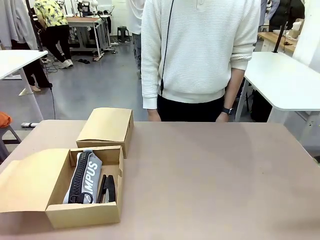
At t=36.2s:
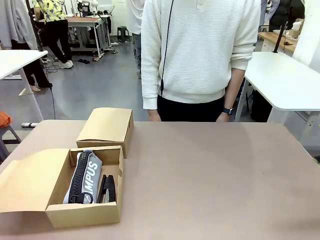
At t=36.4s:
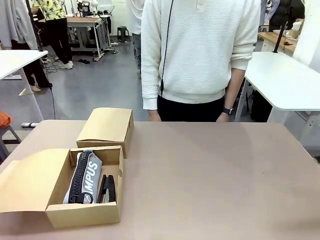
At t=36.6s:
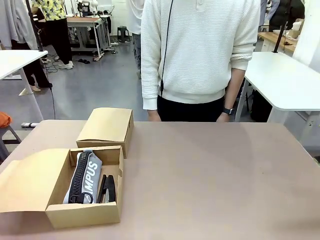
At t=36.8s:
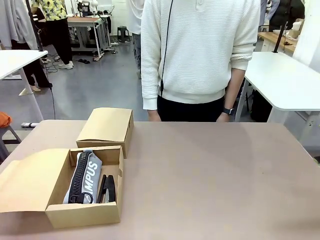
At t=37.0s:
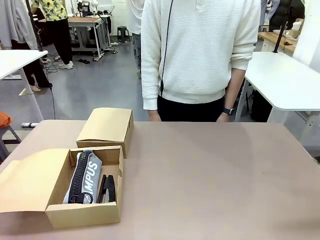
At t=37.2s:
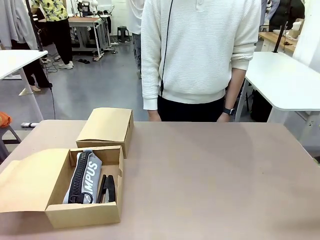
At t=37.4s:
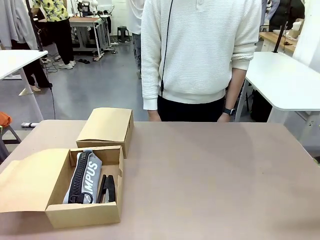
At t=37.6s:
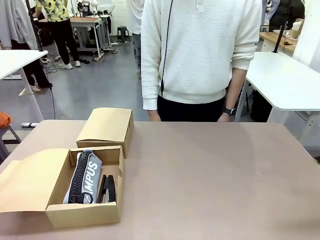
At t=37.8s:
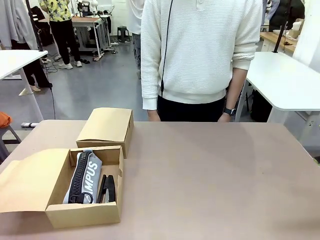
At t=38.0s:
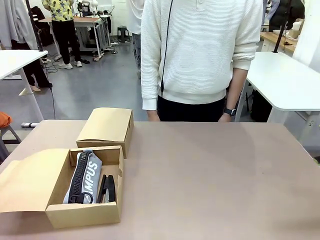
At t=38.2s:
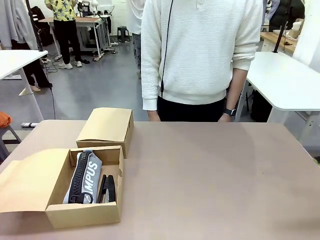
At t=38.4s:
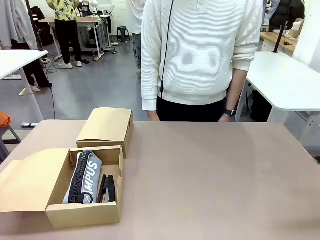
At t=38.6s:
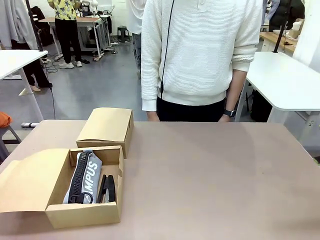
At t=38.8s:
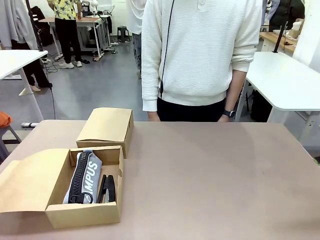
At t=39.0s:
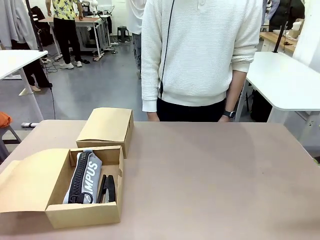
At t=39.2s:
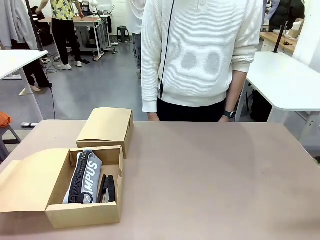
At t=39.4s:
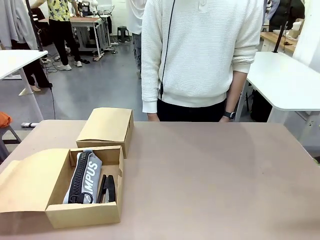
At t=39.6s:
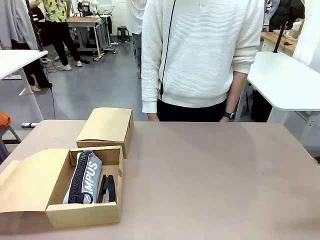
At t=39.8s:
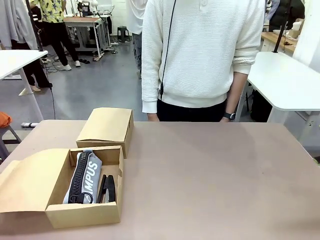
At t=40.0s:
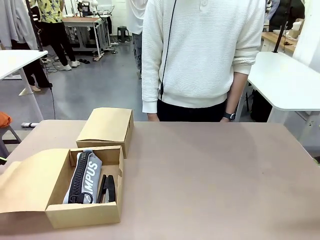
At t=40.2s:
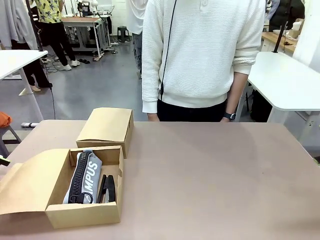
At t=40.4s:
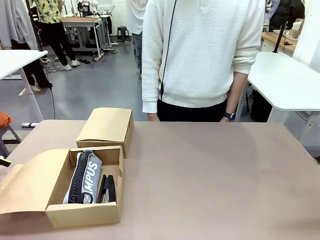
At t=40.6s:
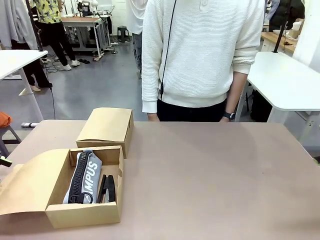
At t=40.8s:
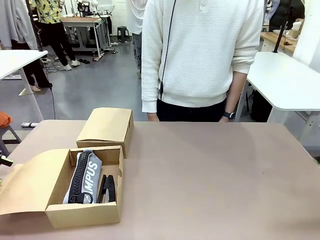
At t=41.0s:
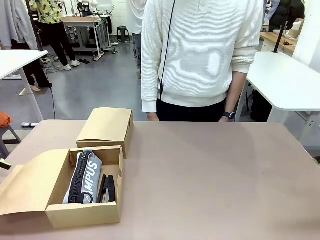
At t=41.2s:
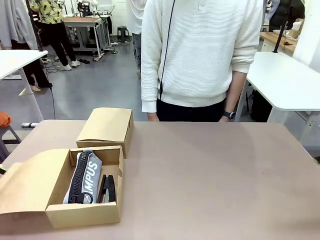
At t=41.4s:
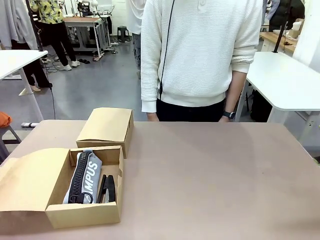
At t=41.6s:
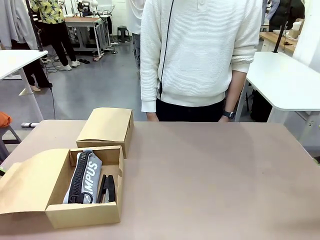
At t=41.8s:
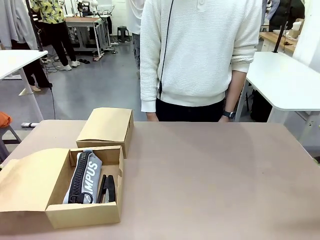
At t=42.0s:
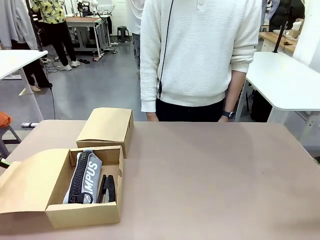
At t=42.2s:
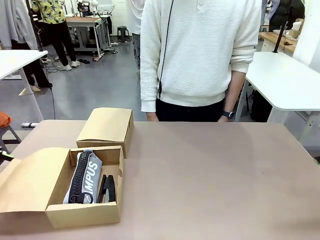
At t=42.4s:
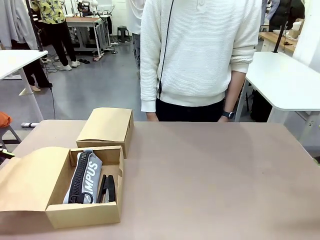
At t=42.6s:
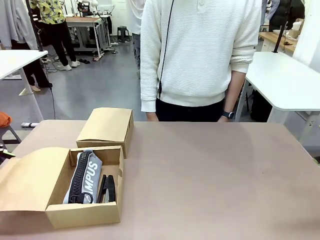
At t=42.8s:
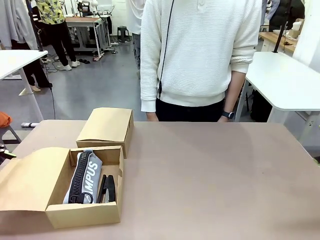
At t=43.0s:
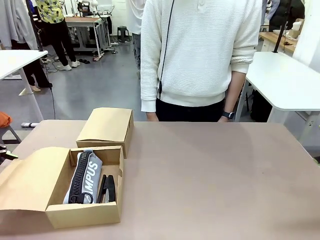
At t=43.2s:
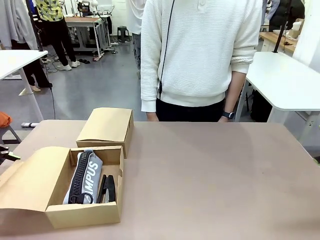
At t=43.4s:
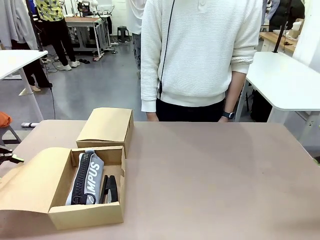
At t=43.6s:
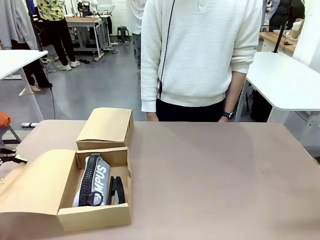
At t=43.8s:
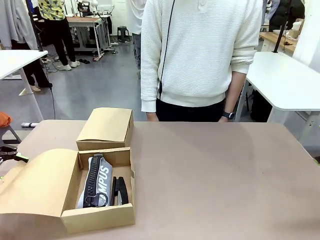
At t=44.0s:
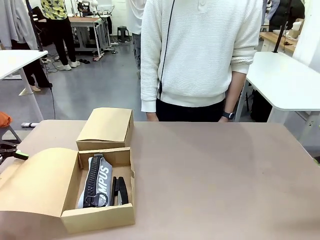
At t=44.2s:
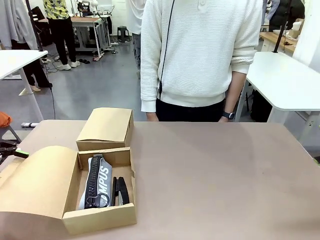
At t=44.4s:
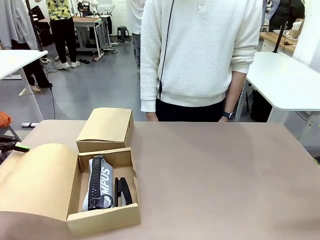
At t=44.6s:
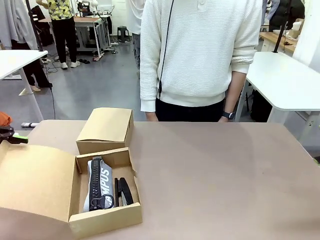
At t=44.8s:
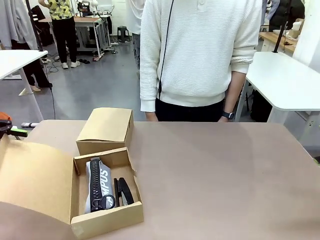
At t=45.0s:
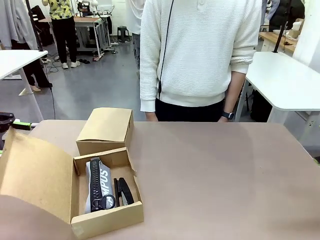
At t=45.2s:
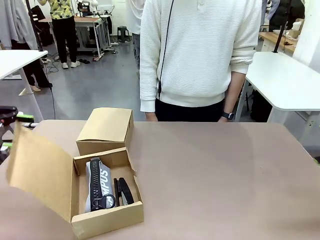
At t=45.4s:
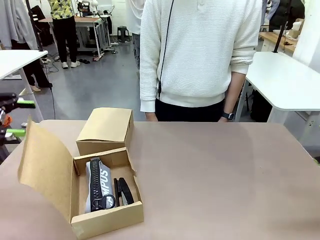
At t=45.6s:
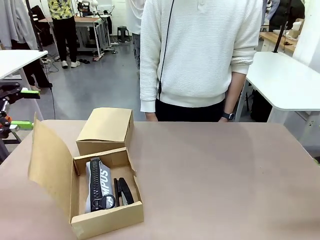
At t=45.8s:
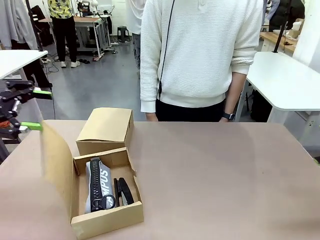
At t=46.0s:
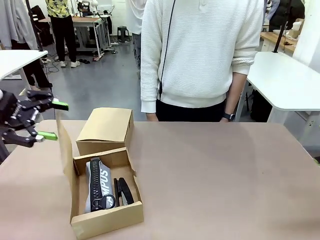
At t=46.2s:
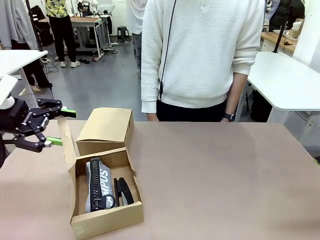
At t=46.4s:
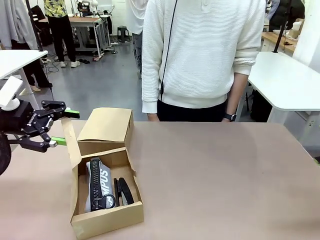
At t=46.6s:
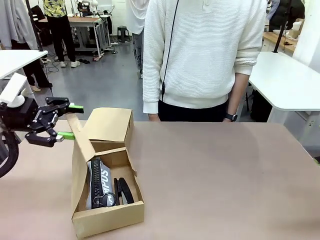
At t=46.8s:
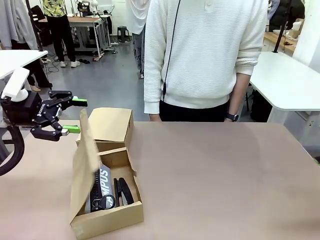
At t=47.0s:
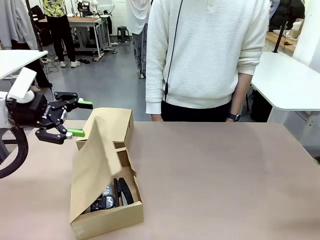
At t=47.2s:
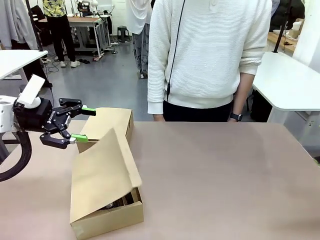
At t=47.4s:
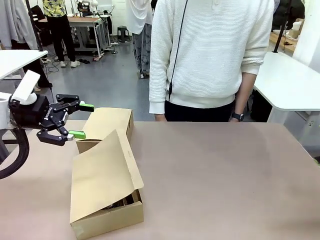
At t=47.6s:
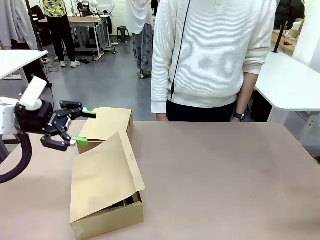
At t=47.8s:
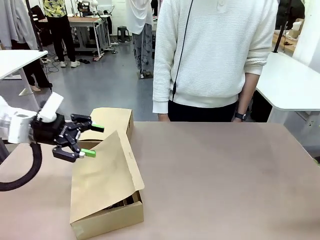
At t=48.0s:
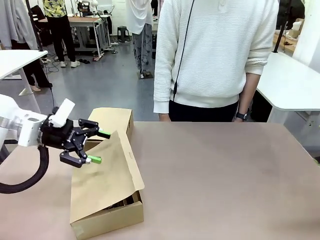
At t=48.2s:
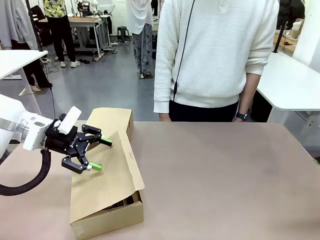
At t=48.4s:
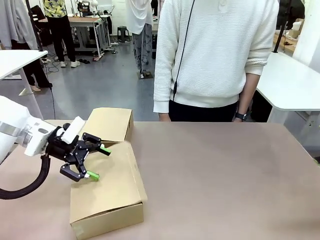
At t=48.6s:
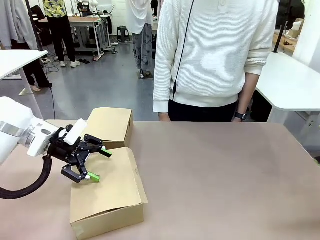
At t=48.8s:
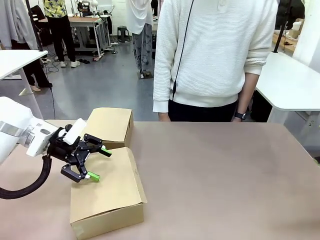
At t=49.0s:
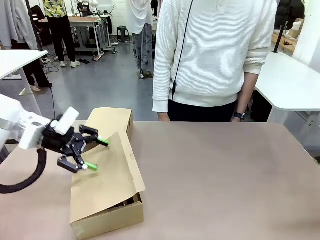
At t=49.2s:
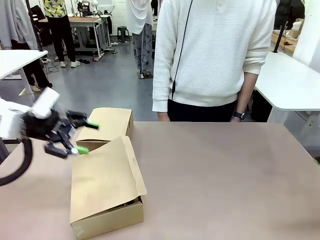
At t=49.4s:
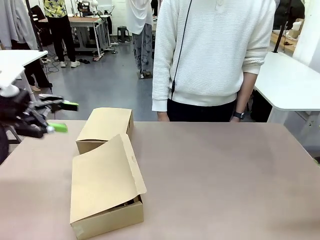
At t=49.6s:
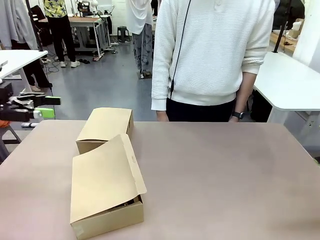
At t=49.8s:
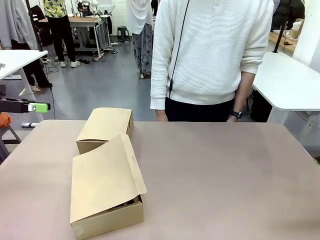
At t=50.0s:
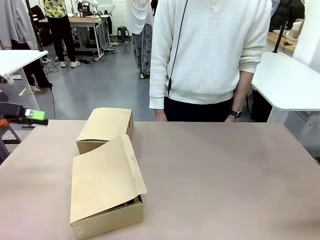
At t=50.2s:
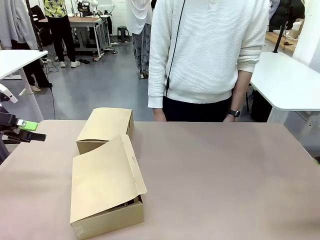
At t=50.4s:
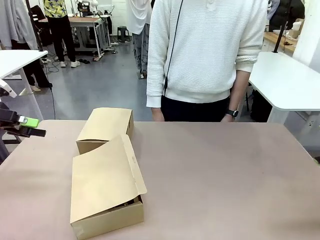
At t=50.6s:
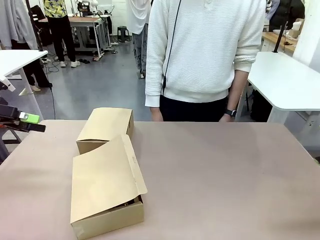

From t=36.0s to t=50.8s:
Task: Place items inside the box.
Robot: Close the lid of the Mailer Box closest to the robot.
Person: Close the lid of the box facing the person.

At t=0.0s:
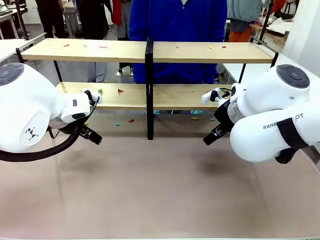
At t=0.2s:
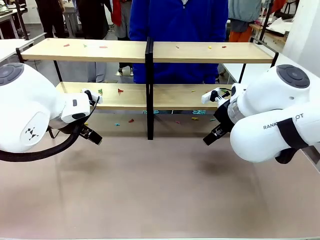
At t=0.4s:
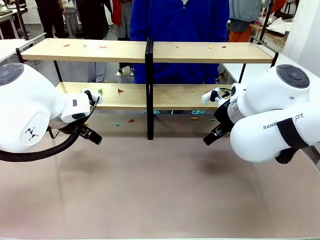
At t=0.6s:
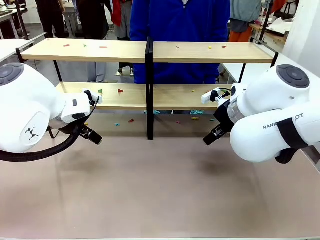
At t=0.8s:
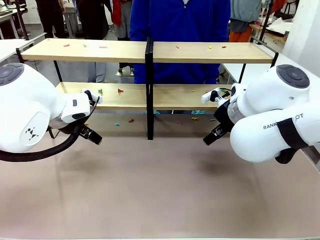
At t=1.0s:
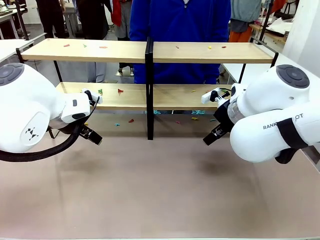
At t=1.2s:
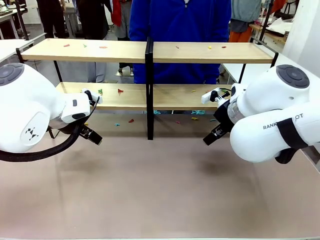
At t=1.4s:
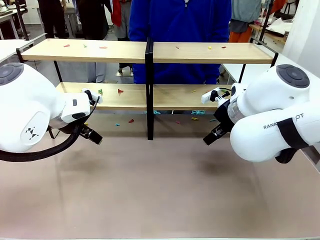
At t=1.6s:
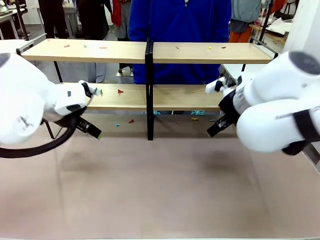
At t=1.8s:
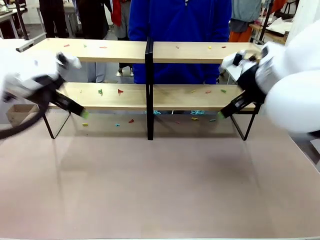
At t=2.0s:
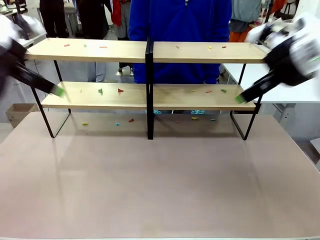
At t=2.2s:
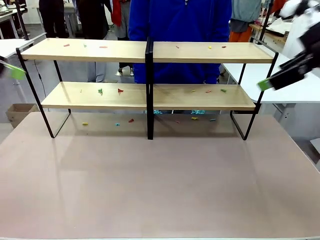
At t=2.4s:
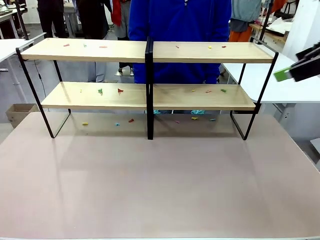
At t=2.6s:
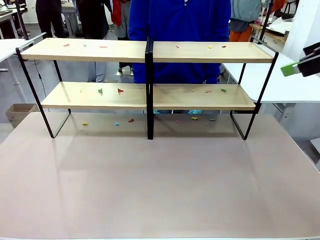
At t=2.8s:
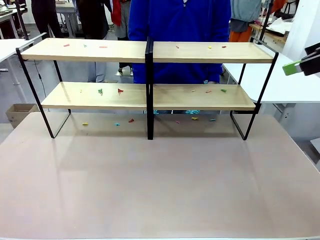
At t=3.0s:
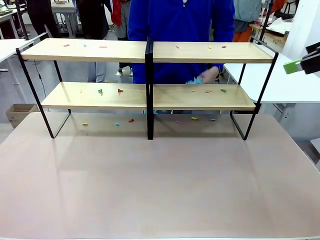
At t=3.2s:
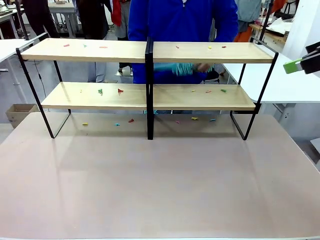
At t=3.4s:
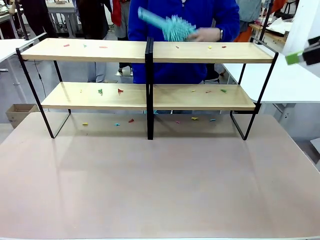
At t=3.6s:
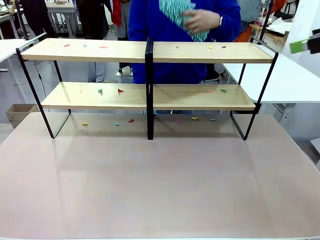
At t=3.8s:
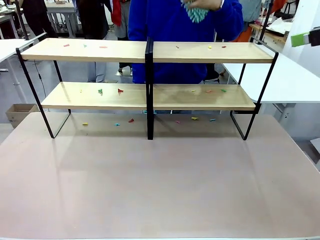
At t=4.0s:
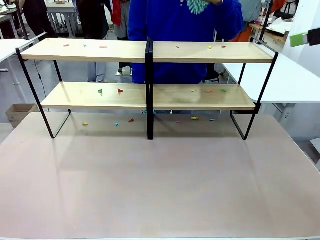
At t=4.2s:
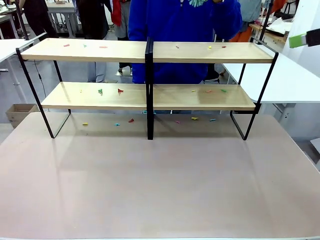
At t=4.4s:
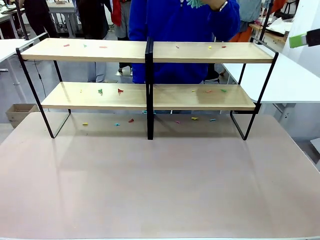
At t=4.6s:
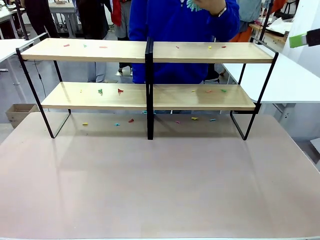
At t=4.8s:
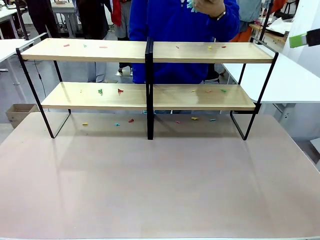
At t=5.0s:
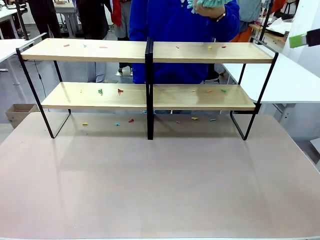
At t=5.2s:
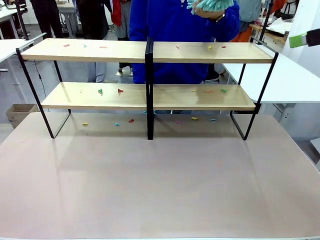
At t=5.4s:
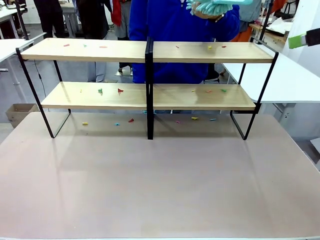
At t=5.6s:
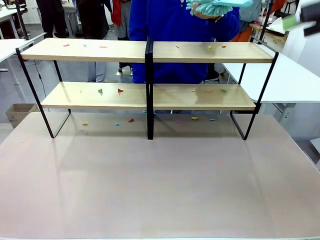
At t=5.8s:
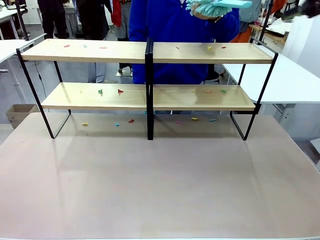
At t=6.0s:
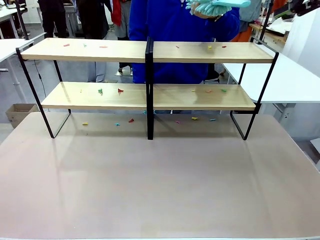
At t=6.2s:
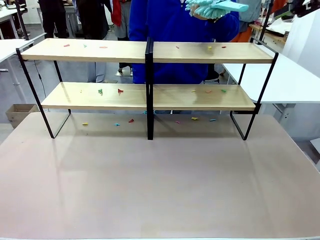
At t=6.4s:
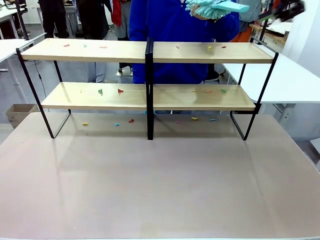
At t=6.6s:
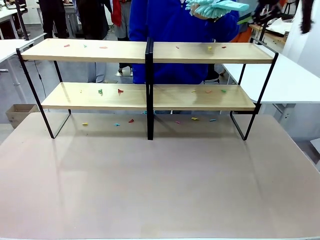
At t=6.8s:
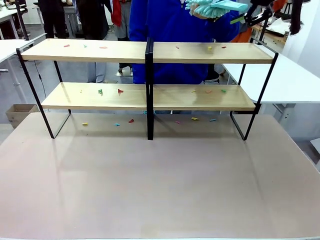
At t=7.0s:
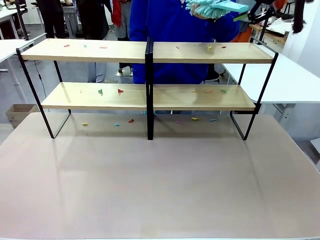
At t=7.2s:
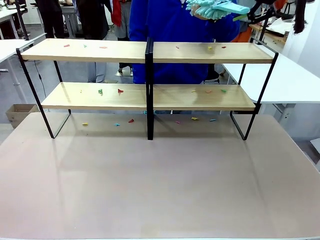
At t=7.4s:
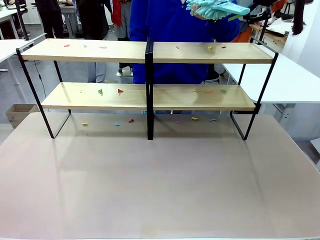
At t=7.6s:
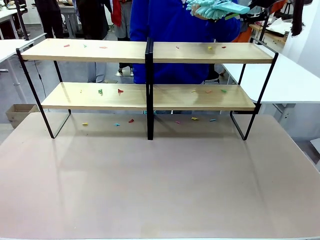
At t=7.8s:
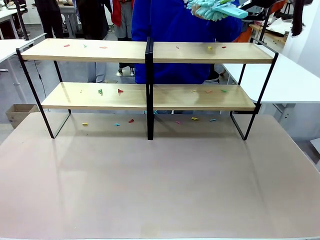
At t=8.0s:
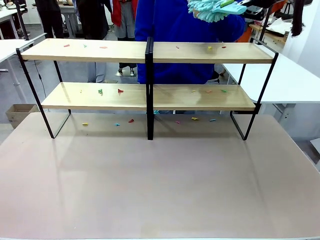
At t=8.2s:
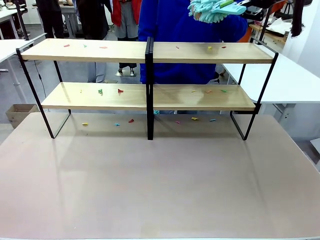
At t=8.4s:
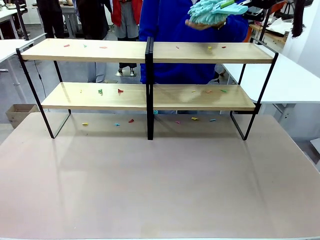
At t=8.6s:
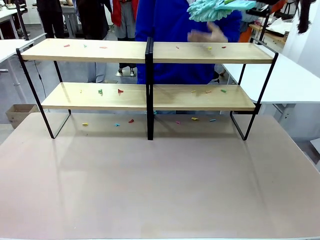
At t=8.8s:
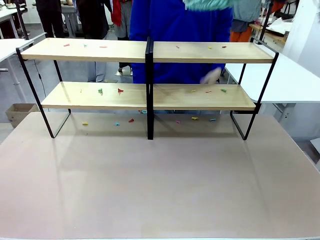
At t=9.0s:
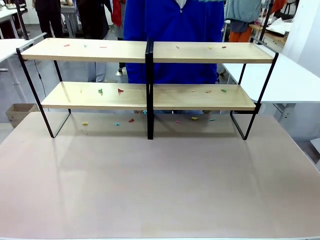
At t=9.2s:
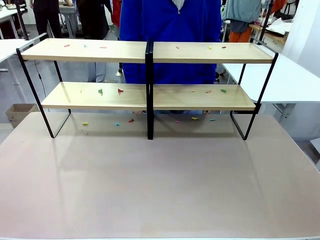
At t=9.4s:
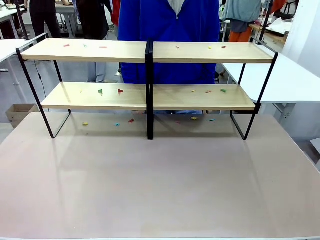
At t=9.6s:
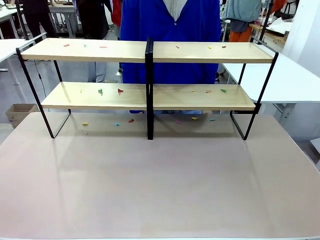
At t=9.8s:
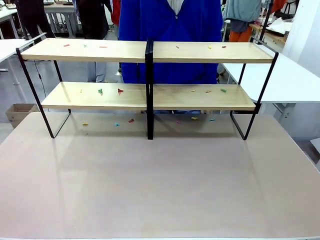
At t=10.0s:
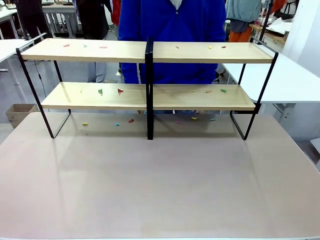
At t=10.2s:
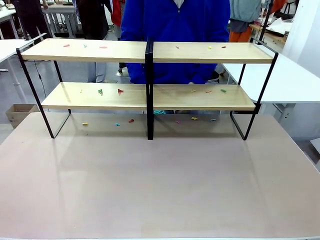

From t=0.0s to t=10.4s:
Task: Clean the shelves.
Robot: Pick up the Duster when the human hands it over.
Person: Hand the Duster to the robot with your right (or left) hand.
